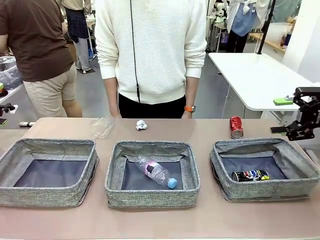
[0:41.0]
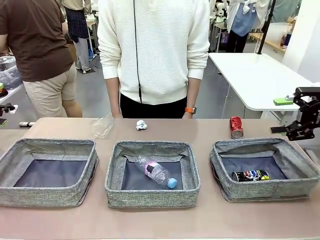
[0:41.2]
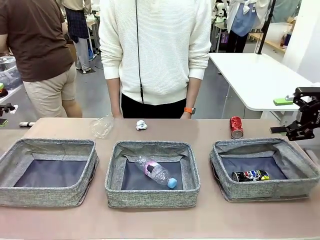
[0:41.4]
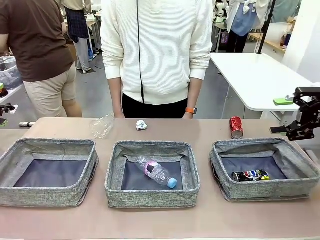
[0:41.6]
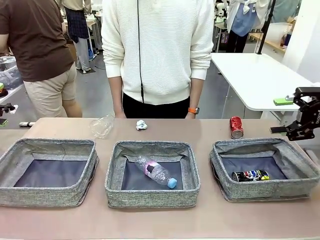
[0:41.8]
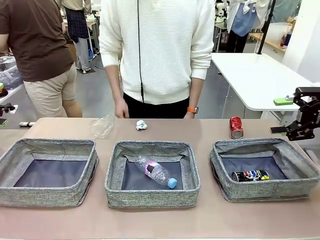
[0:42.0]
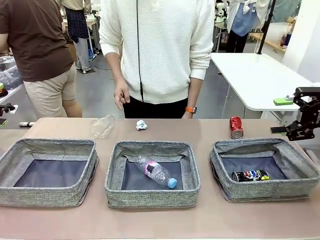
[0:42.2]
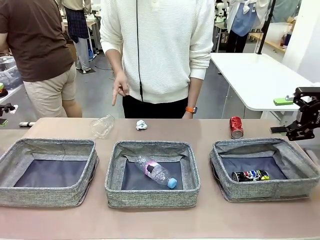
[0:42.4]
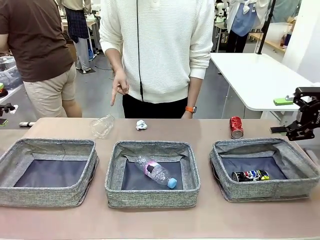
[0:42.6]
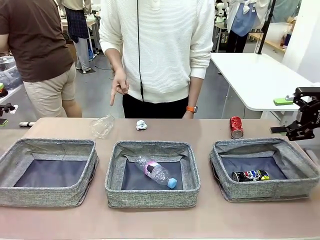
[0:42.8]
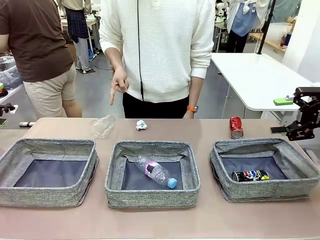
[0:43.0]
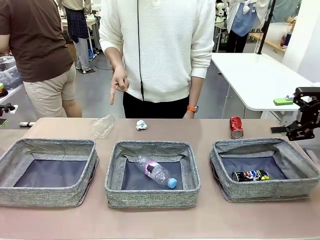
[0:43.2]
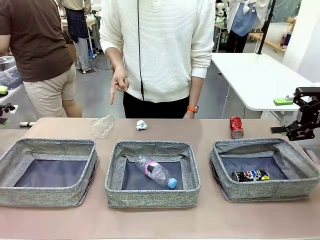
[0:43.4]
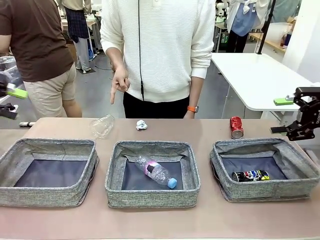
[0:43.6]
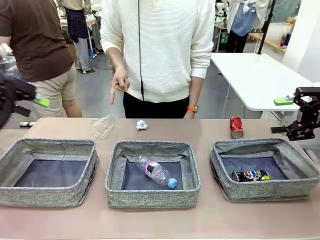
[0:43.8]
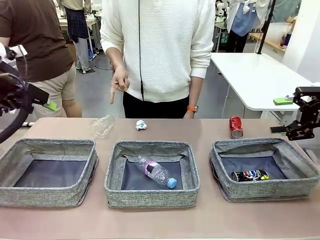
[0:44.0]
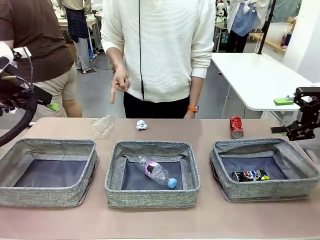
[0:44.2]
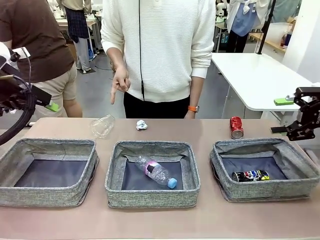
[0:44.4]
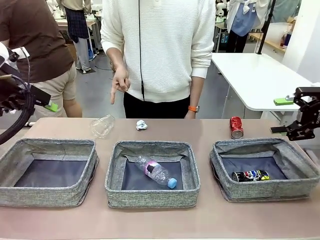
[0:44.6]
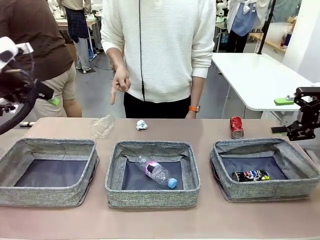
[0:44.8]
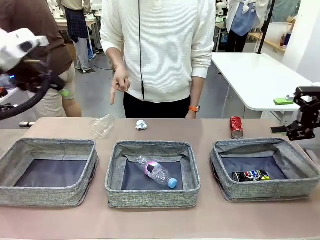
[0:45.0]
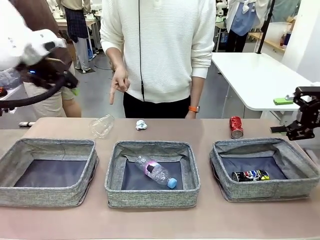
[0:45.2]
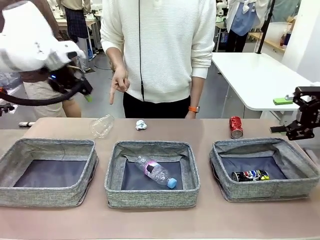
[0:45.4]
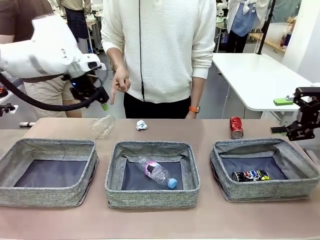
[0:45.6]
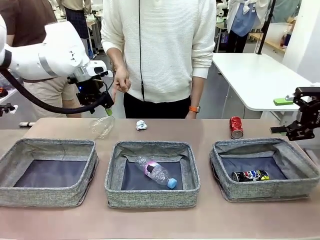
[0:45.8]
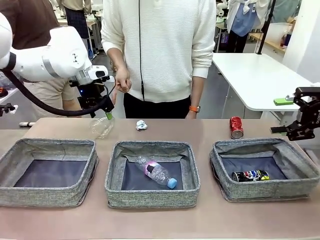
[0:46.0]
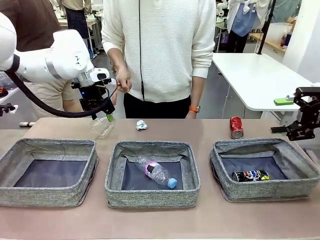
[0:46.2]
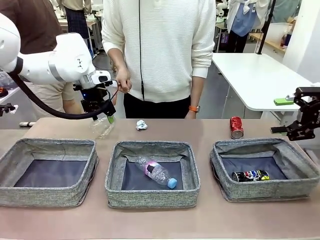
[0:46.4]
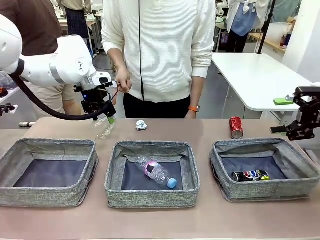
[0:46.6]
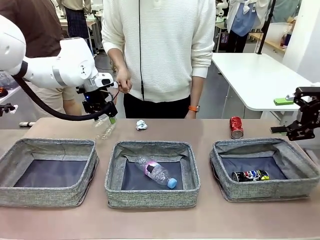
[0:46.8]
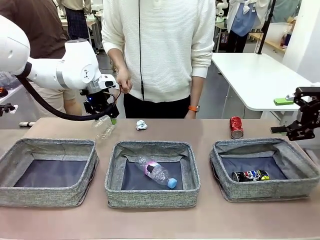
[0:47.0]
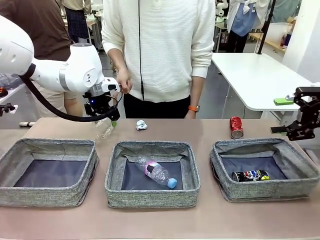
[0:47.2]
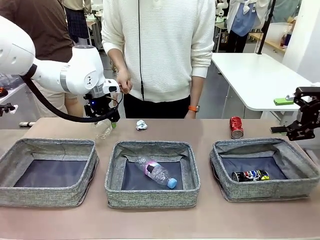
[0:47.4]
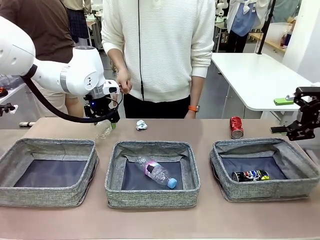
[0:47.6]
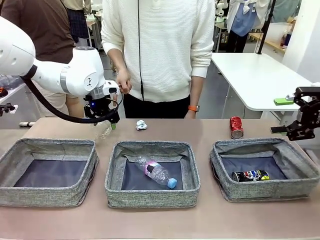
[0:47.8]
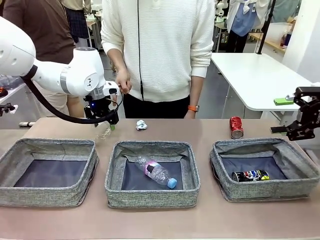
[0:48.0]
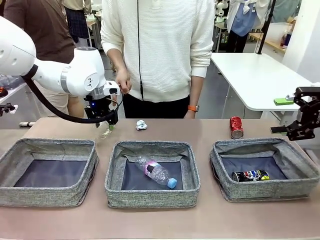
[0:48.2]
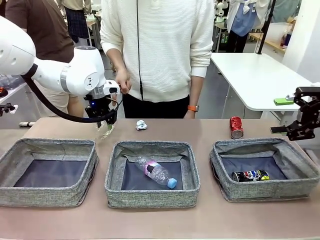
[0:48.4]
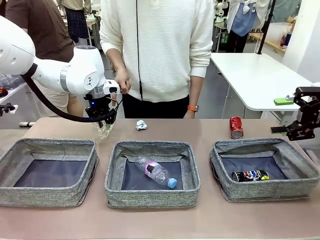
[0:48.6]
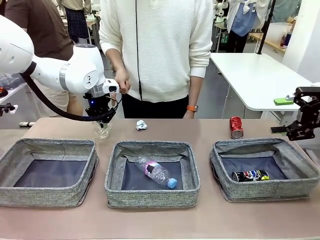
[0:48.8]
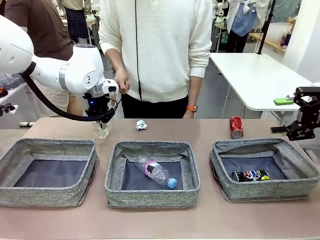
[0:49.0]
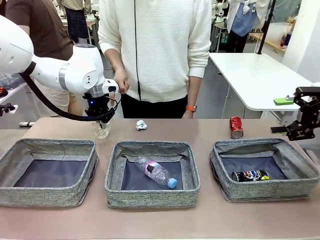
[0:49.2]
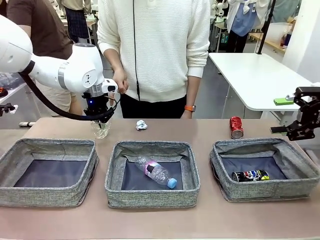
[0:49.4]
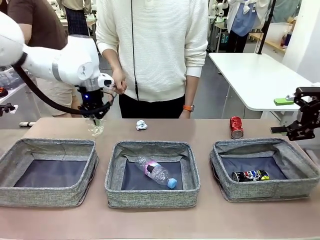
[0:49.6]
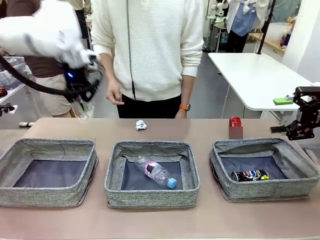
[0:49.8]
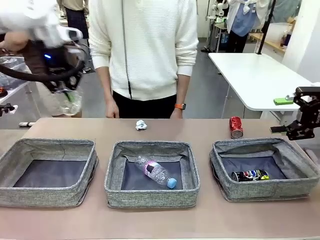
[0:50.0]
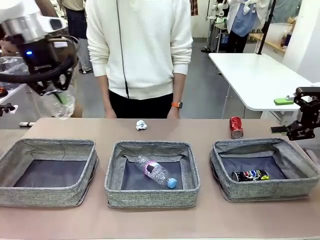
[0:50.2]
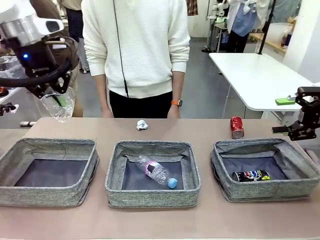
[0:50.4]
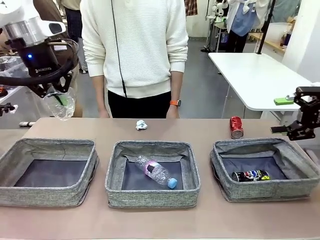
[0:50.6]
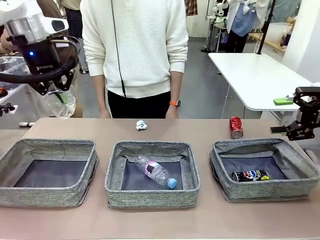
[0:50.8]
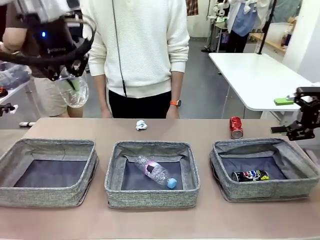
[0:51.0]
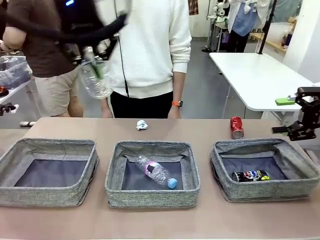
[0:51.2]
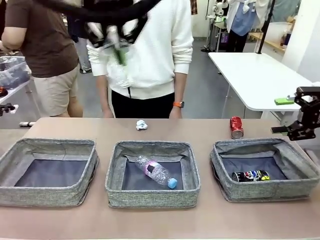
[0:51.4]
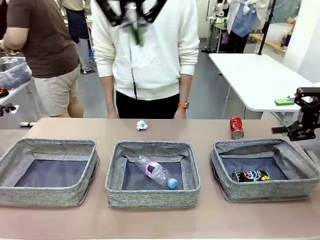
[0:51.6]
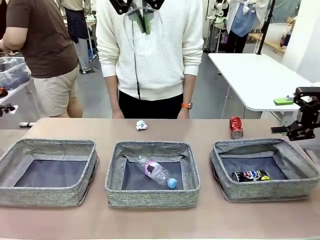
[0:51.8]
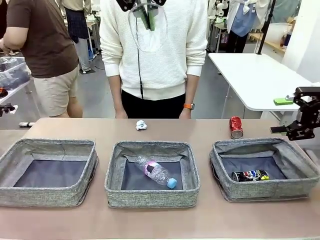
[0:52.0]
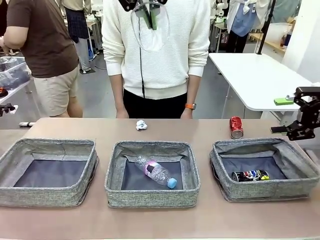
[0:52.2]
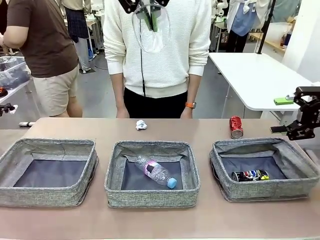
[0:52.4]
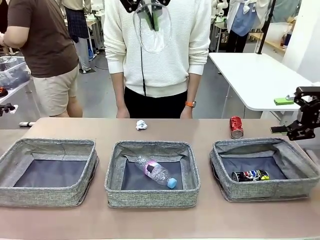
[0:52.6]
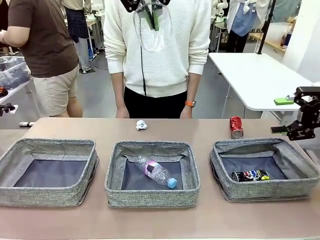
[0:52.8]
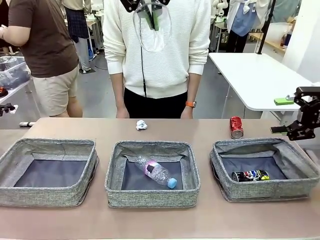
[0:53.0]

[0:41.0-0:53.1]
Task: Sort the waste into the appropriate baskets.
Robot: Pick up the waste item pointed out by the person.
Person: Points to one piece of trash on the table.

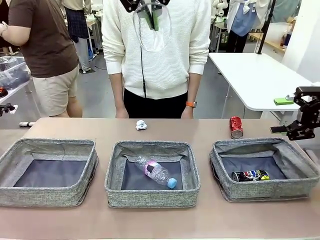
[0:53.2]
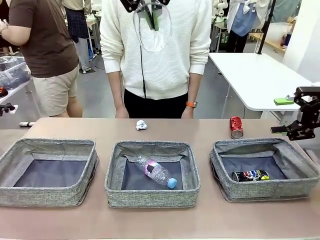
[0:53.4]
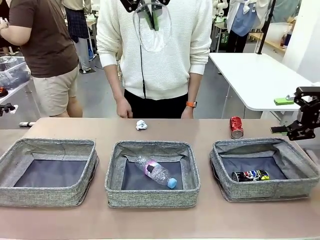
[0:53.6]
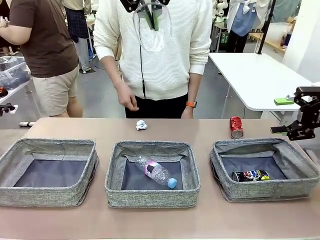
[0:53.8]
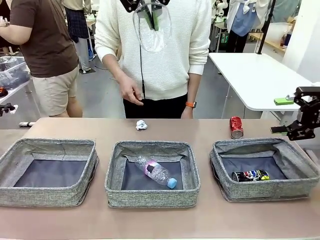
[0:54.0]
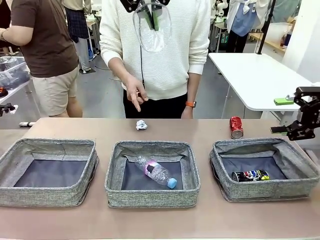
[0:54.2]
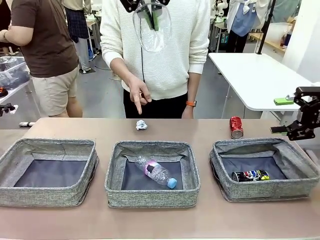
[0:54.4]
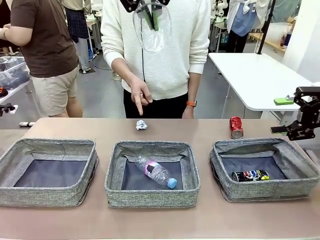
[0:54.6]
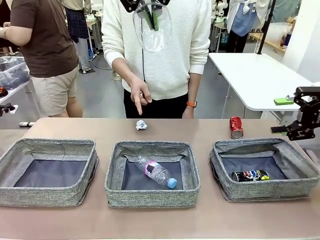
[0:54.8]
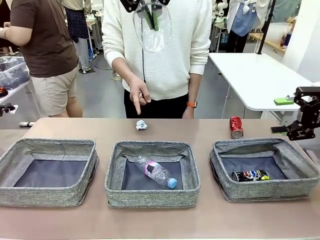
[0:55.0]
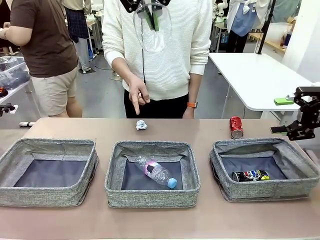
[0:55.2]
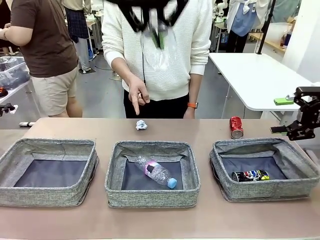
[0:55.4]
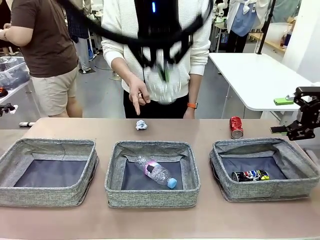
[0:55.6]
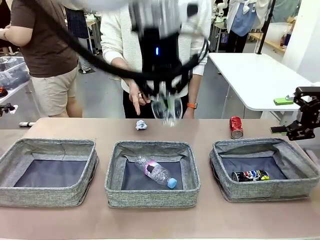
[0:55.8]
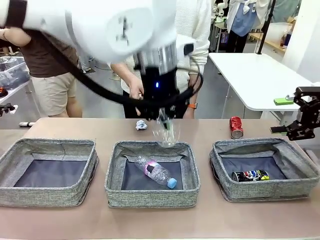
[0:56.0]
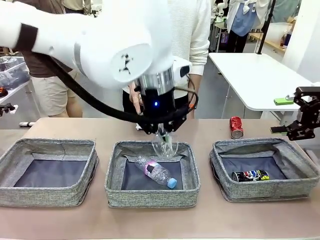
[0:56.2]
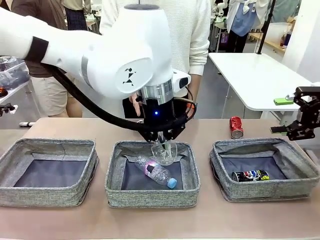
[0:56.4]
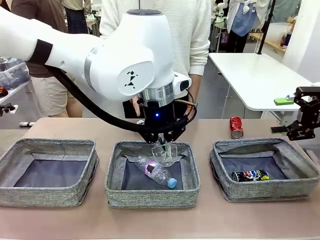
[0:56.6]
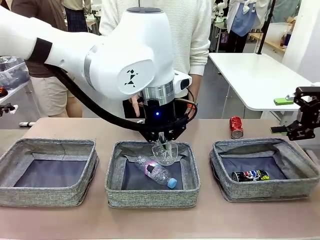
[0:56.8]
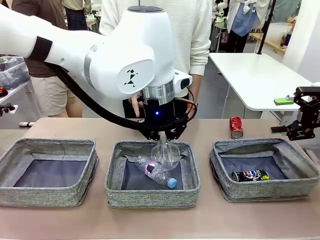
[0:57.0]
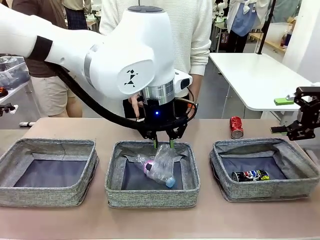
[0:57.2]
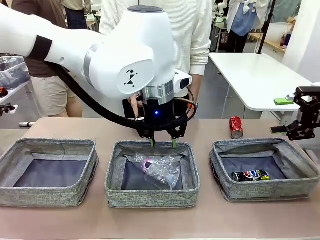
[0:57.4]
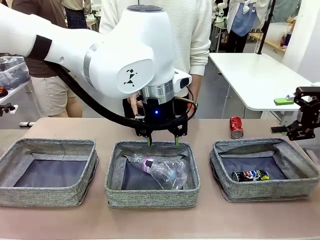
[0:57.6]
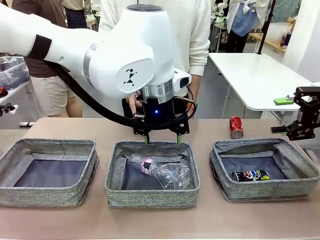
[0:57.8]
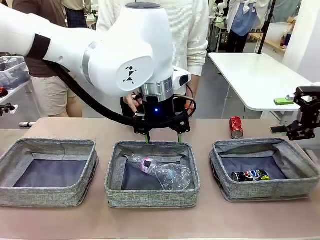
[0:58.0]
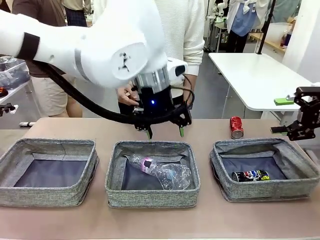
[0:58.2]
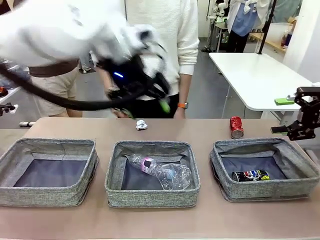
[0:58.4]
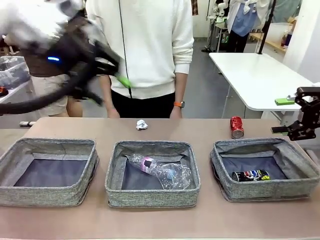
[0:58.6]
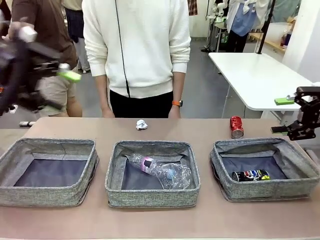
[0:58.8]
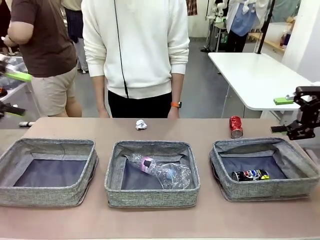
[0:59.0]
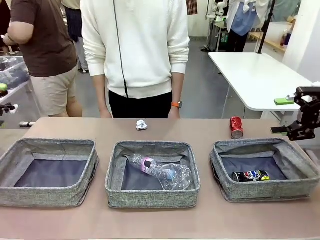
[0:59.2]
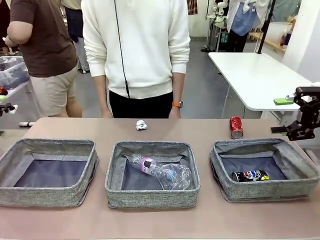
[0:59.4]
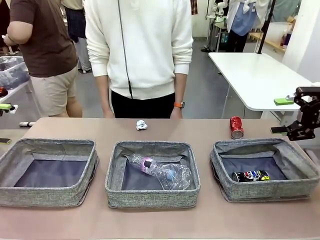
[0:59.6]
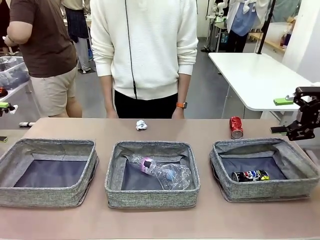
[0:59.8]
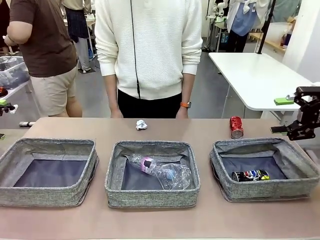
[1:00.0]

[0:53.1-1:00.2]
Robot: Place the picked waste into the Fabric basket indicated by the person.
Person: Instructs the robot to place the picked-up trash into the appropriate organizing basket.
